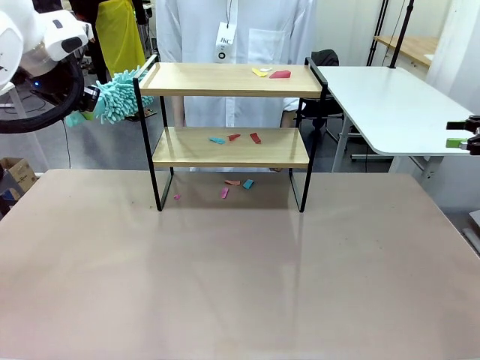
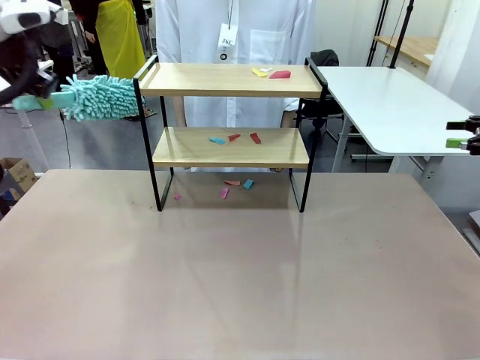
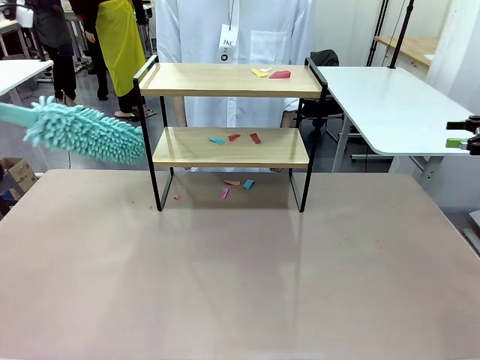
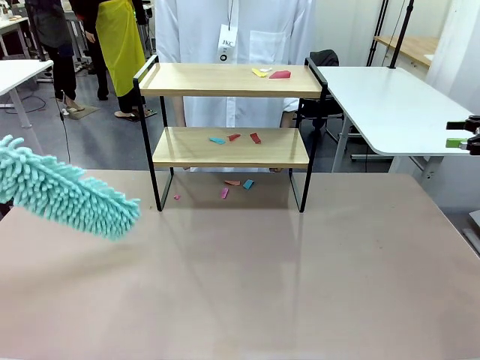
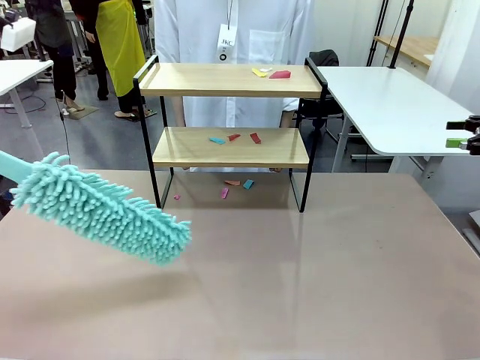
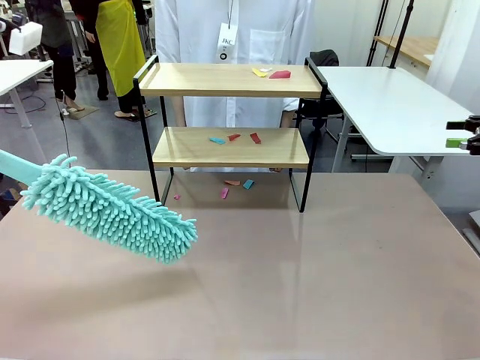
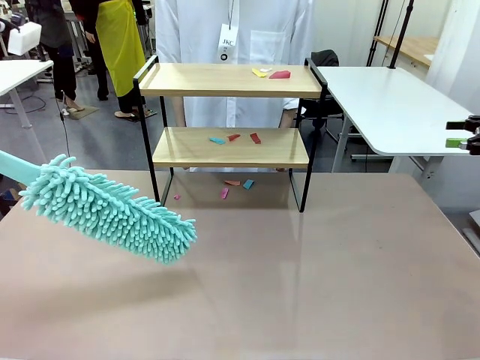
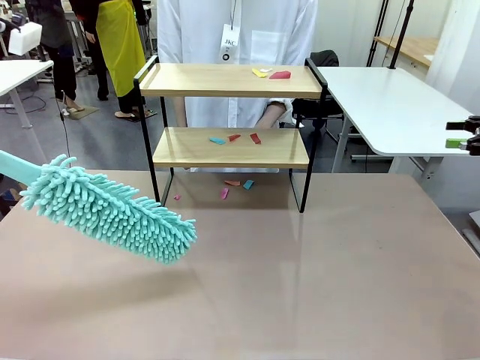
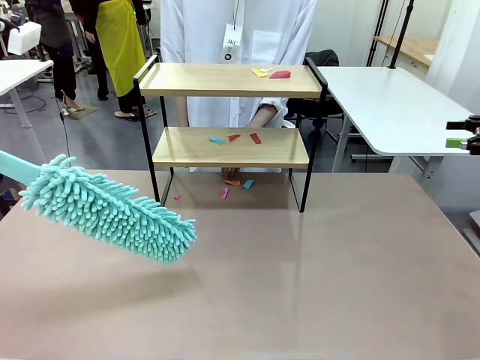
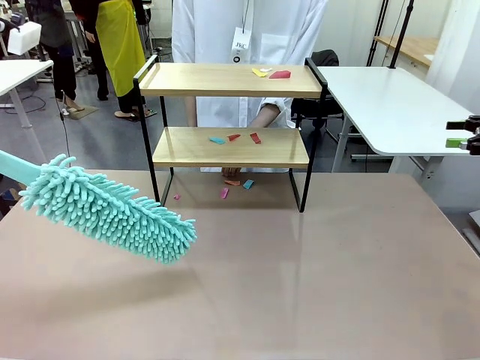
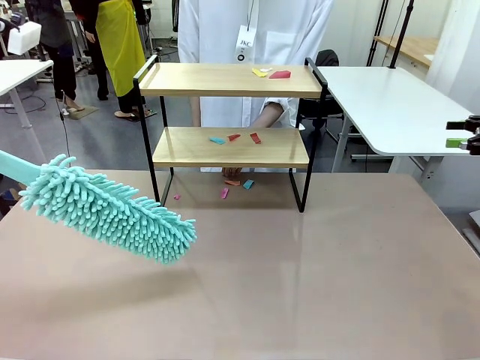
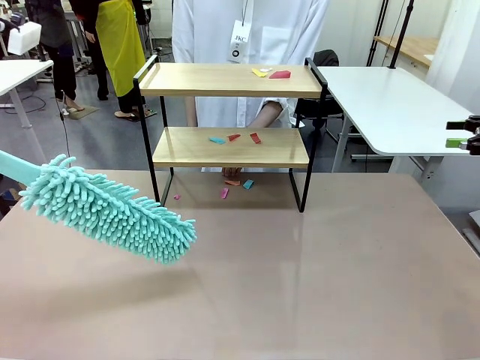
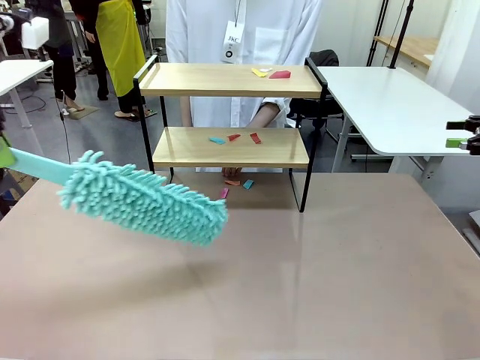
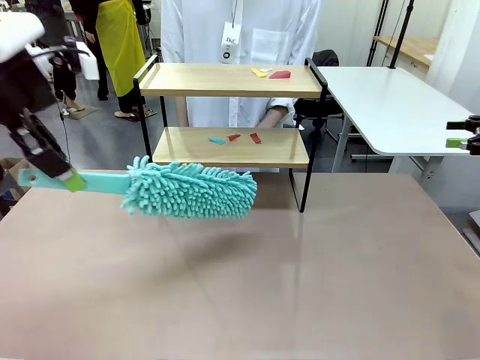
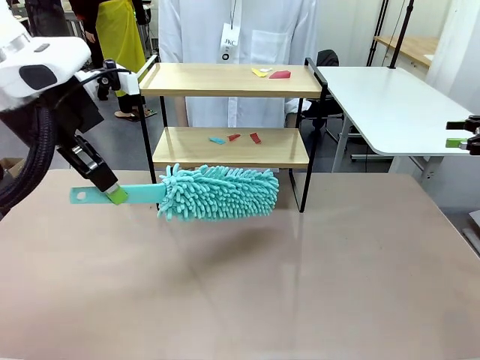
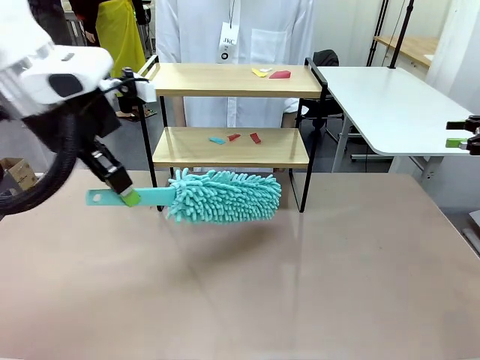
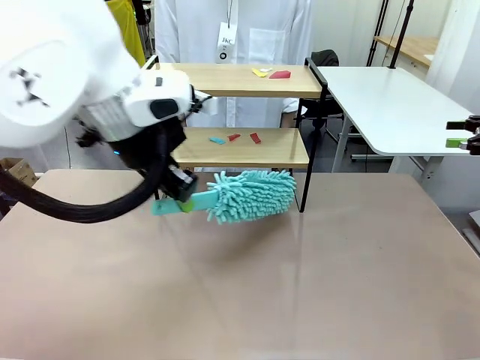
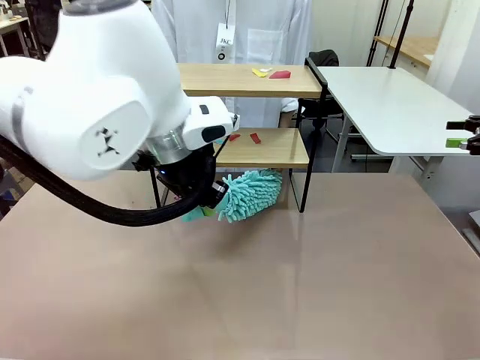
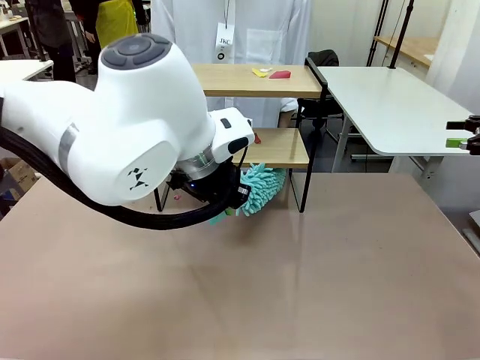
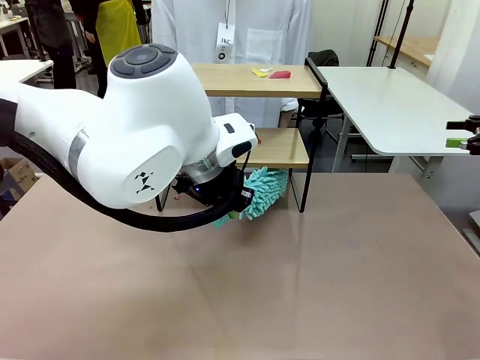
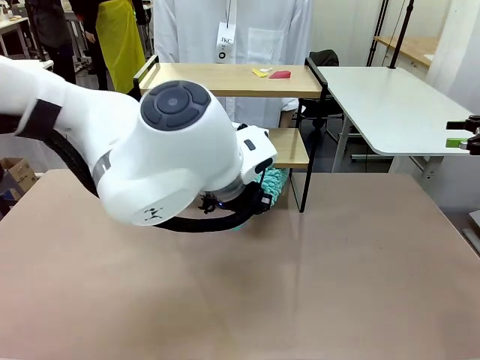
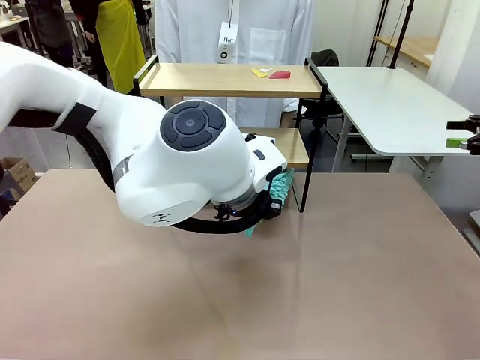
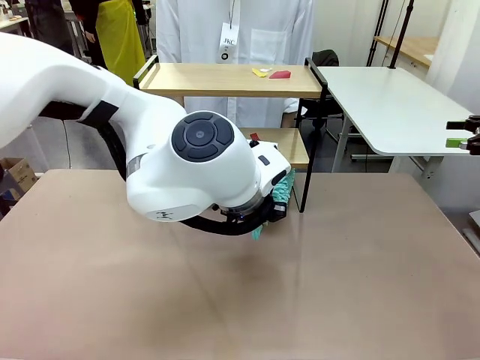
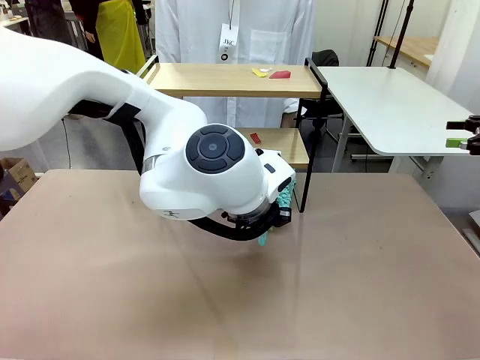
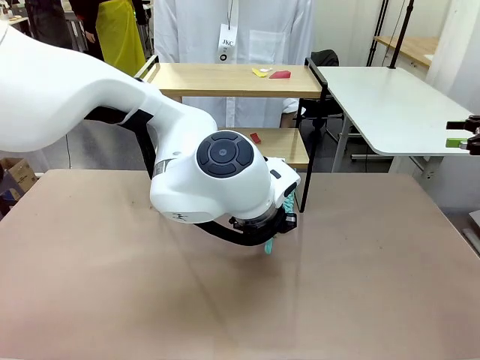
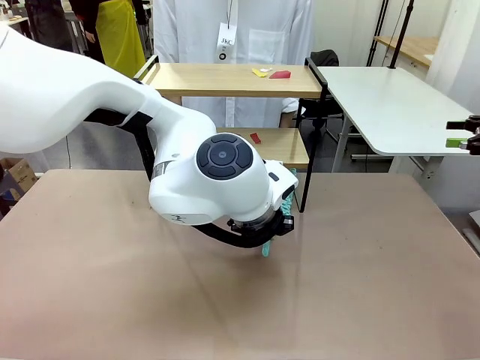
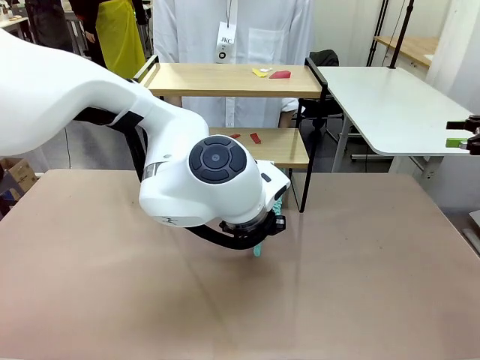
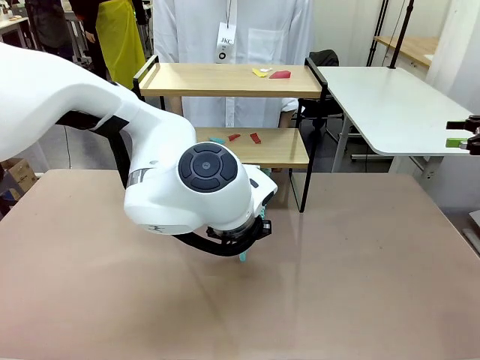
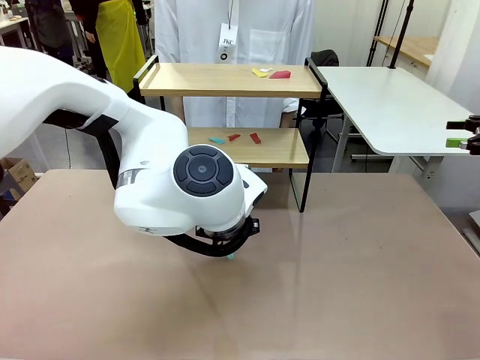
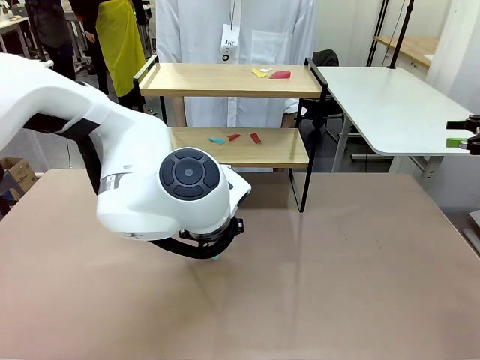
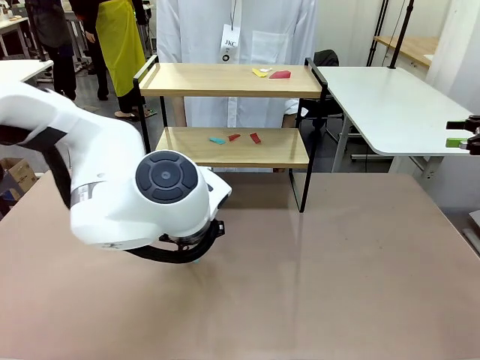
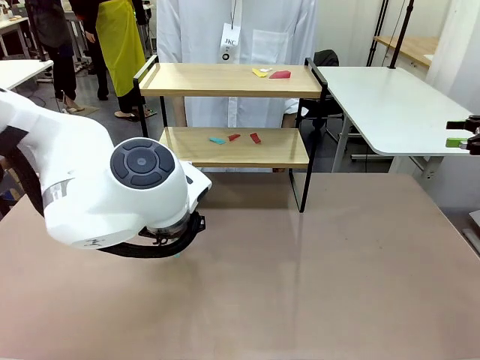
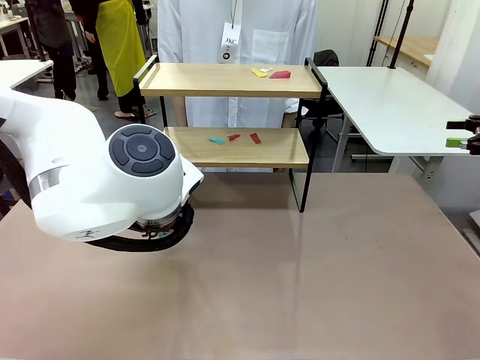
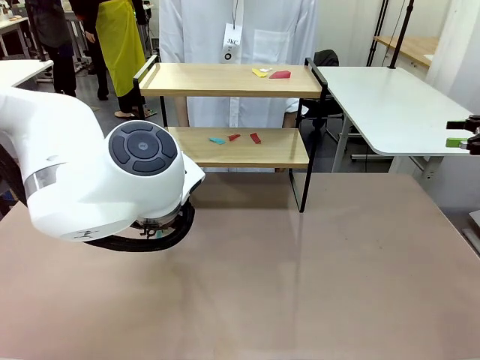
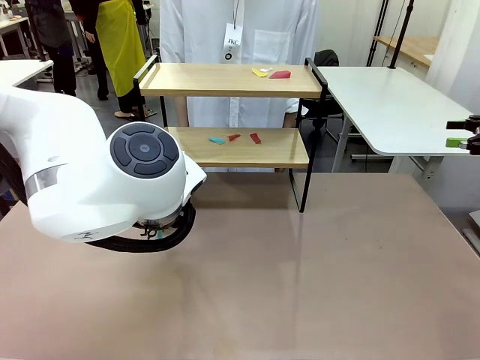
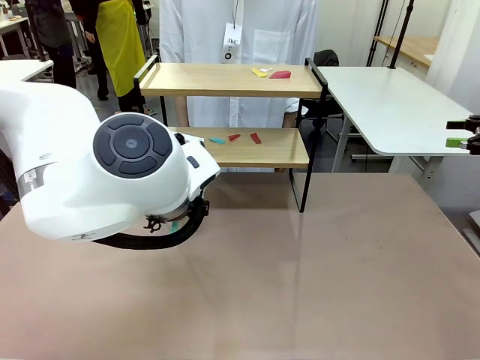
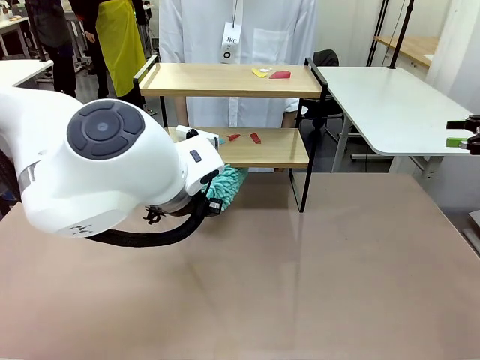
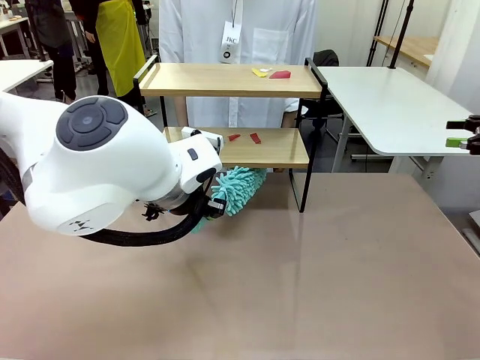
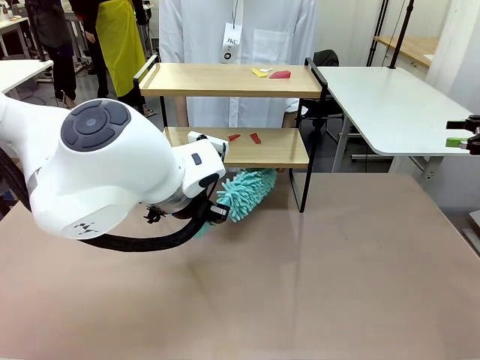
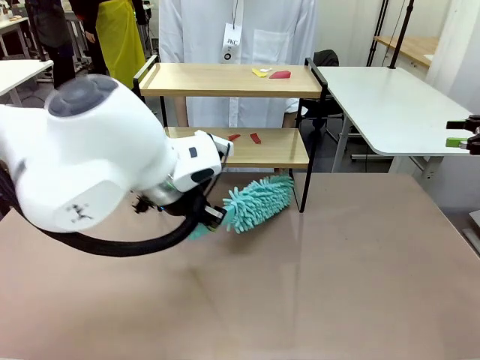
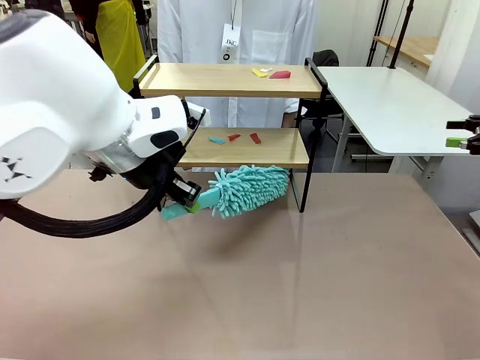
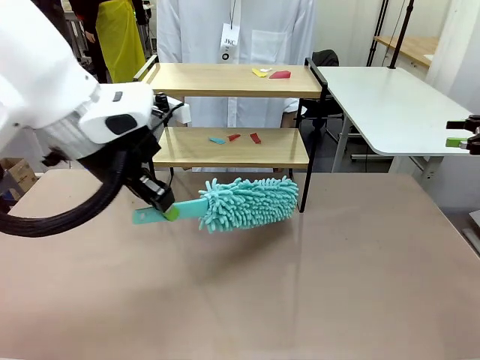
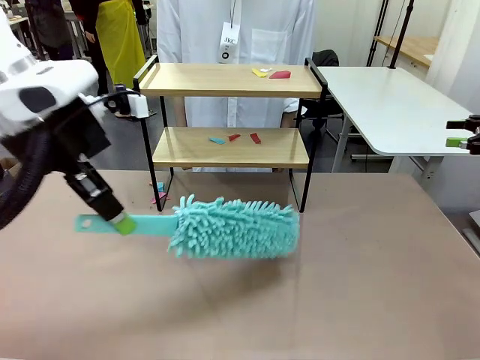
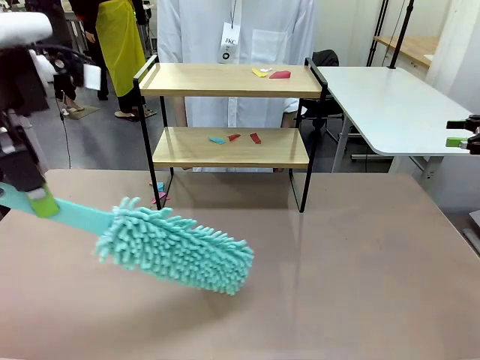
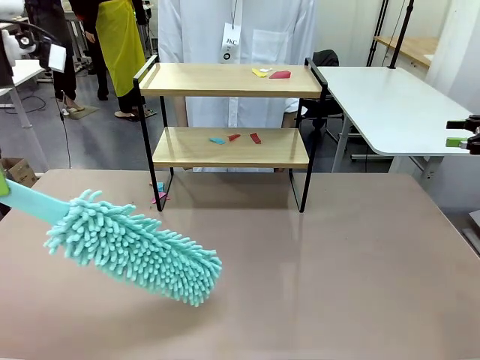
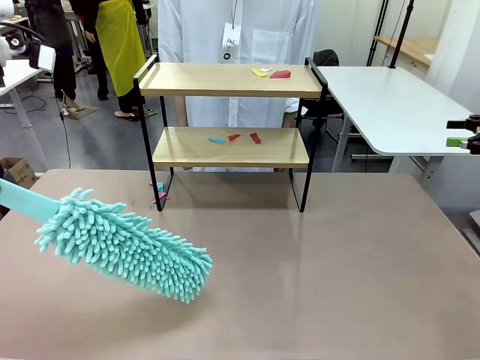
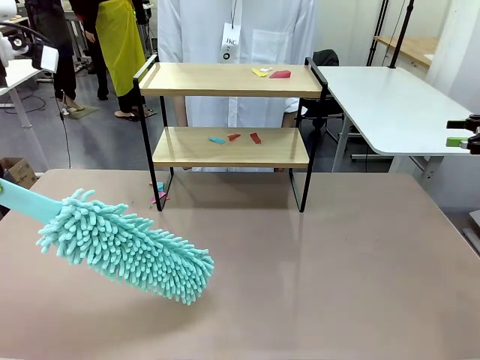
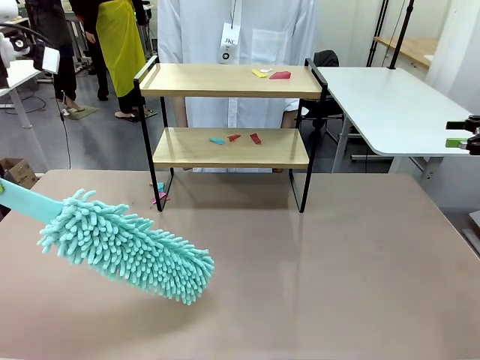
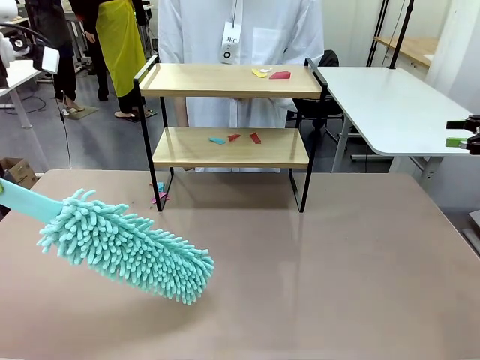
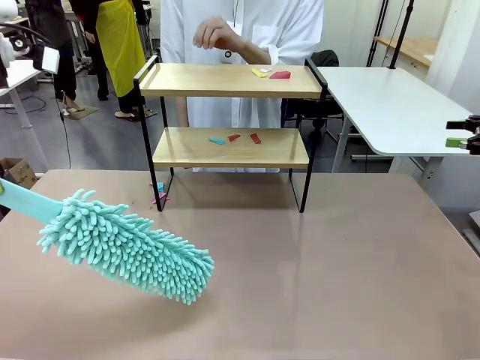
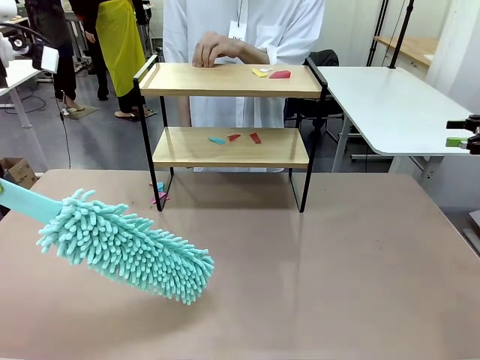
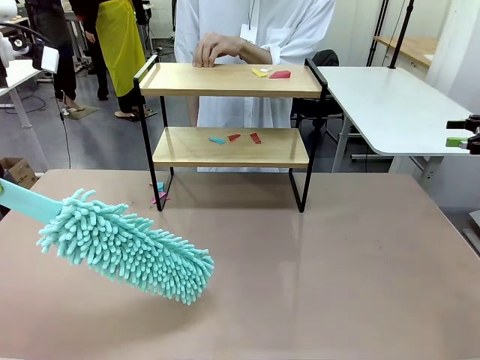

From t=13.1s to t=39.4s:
Task: Clean the shelf.
Robot: Clean the specific section of the Shelf indicated by the human with the Duster.
Person: Point a random section of the Shelf.
